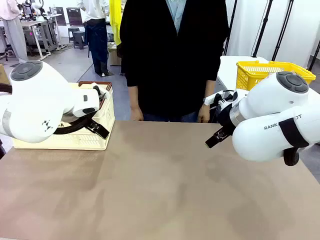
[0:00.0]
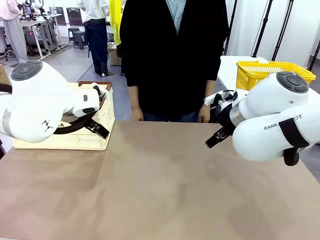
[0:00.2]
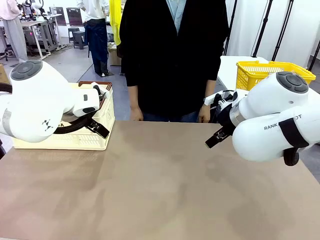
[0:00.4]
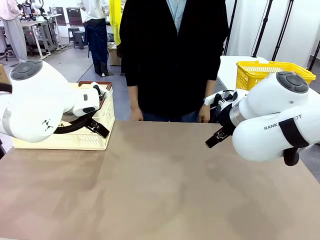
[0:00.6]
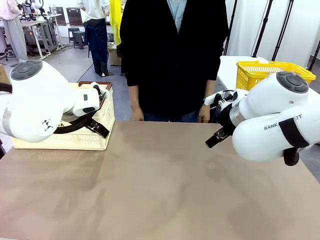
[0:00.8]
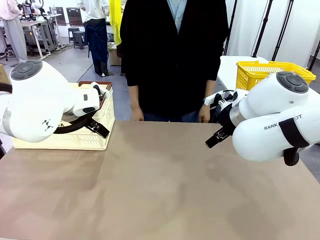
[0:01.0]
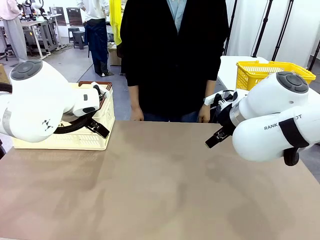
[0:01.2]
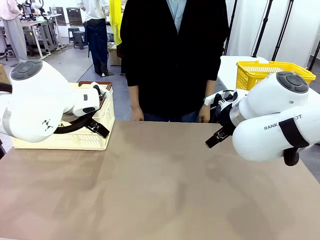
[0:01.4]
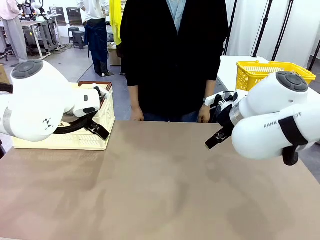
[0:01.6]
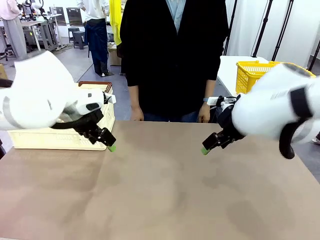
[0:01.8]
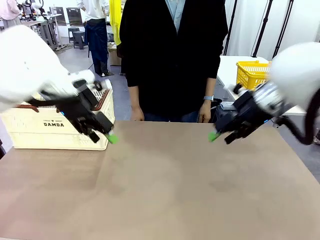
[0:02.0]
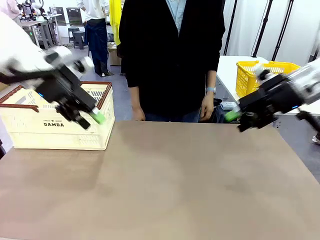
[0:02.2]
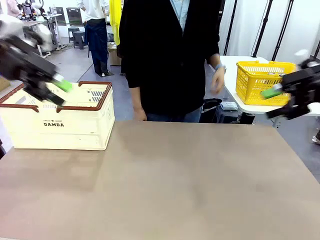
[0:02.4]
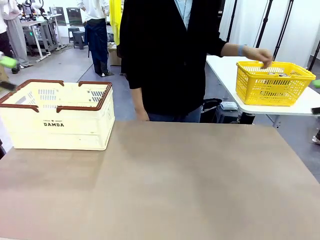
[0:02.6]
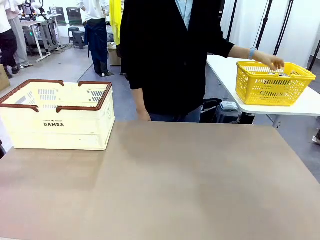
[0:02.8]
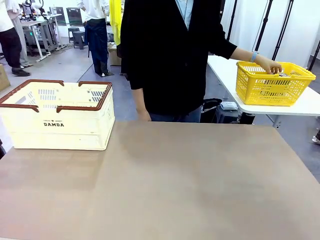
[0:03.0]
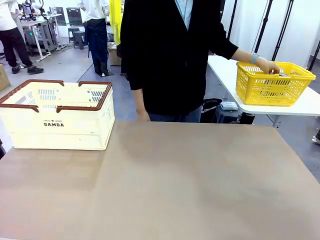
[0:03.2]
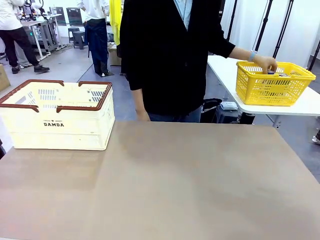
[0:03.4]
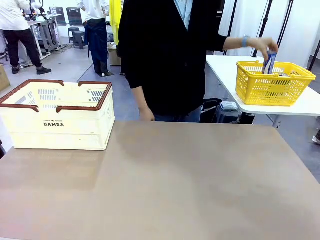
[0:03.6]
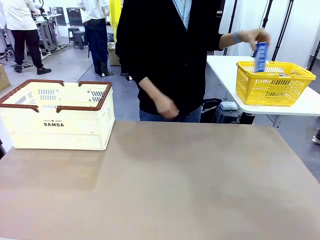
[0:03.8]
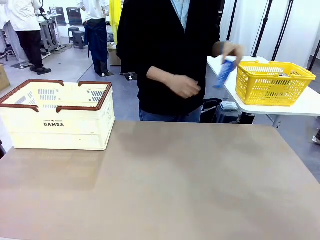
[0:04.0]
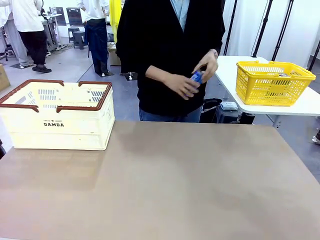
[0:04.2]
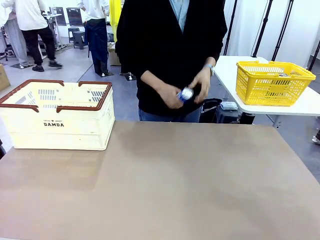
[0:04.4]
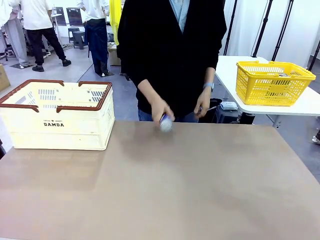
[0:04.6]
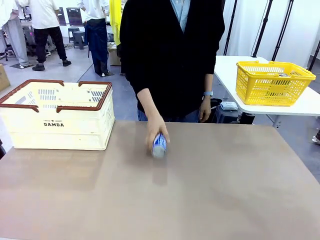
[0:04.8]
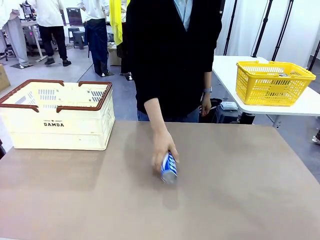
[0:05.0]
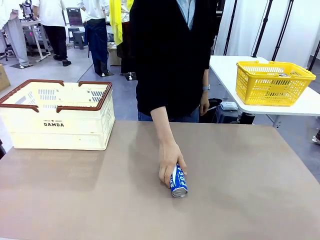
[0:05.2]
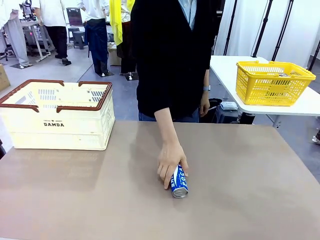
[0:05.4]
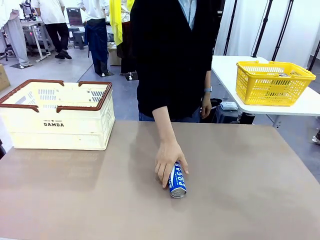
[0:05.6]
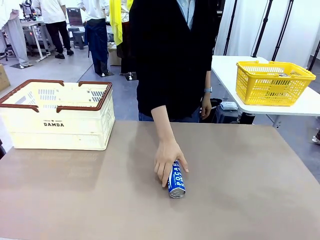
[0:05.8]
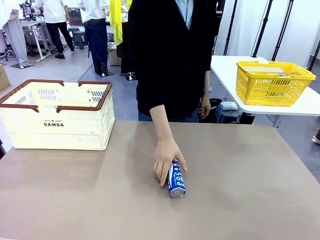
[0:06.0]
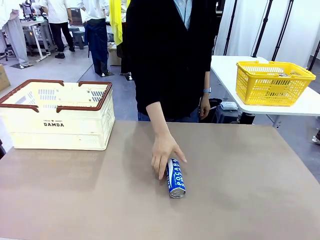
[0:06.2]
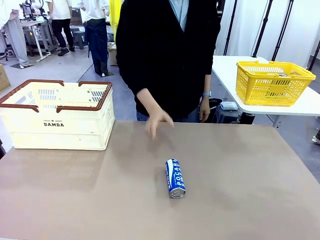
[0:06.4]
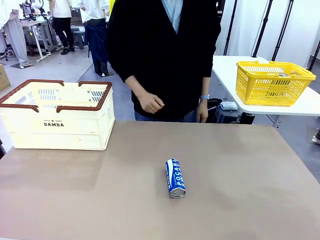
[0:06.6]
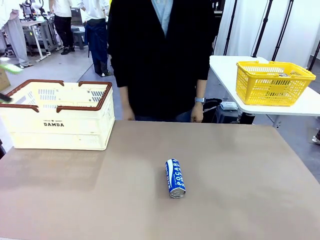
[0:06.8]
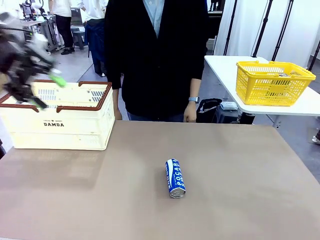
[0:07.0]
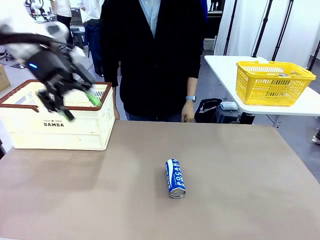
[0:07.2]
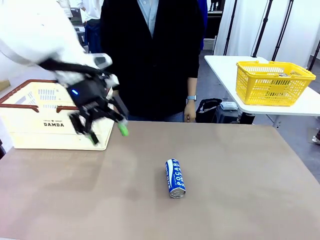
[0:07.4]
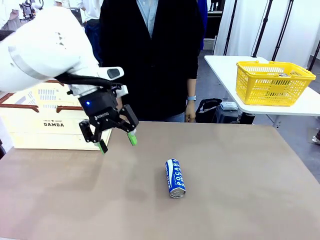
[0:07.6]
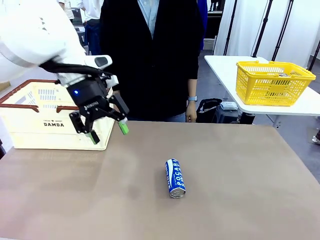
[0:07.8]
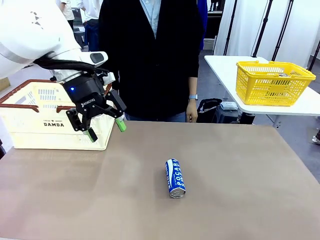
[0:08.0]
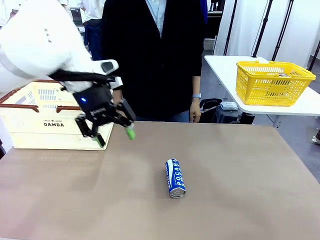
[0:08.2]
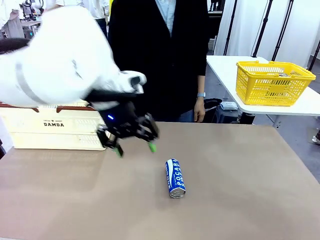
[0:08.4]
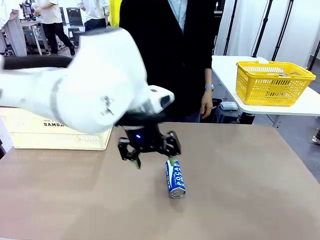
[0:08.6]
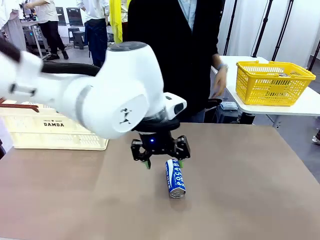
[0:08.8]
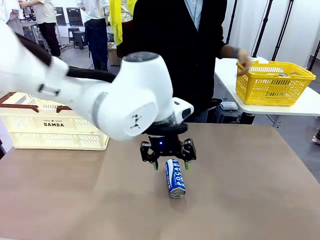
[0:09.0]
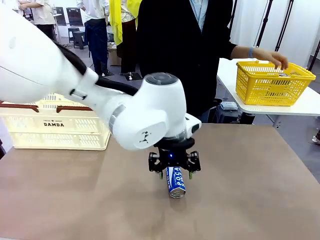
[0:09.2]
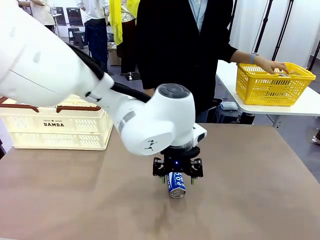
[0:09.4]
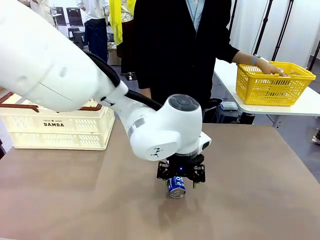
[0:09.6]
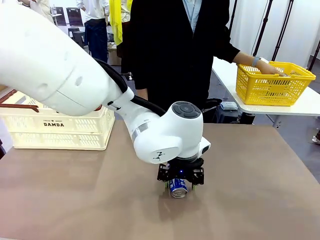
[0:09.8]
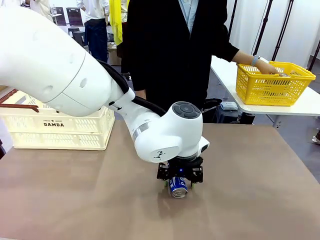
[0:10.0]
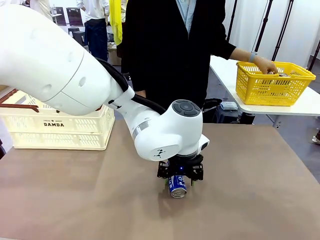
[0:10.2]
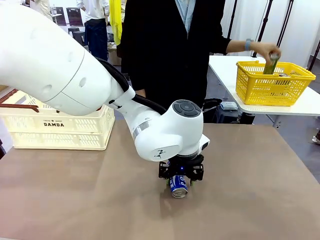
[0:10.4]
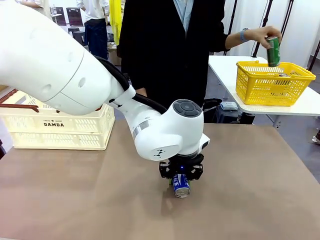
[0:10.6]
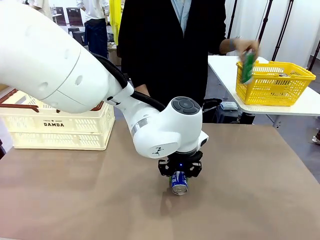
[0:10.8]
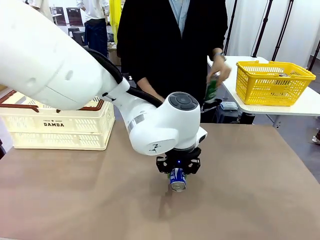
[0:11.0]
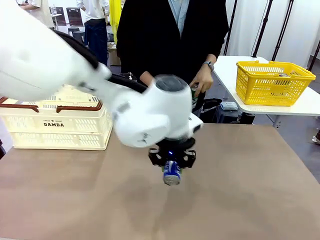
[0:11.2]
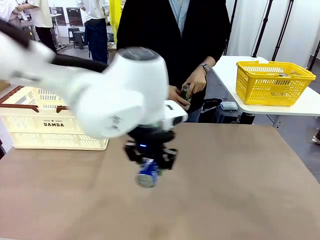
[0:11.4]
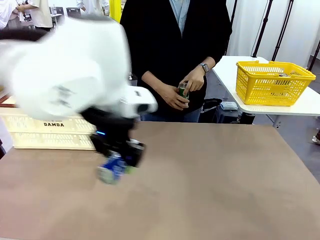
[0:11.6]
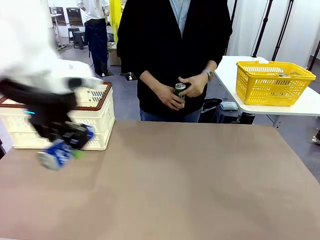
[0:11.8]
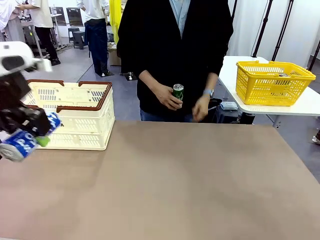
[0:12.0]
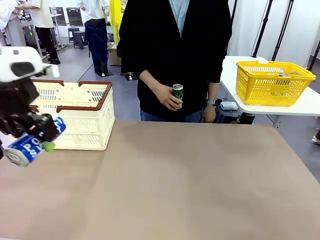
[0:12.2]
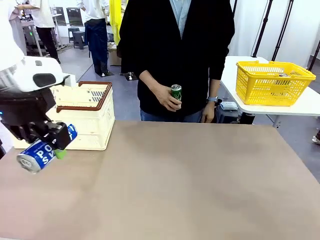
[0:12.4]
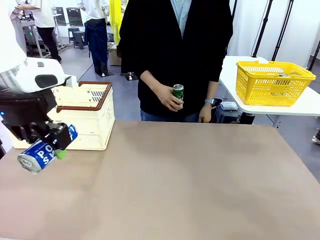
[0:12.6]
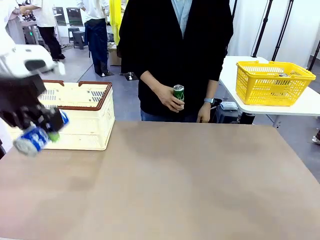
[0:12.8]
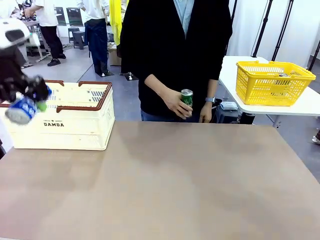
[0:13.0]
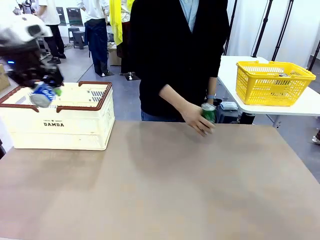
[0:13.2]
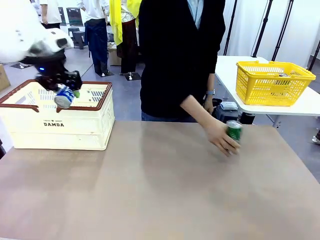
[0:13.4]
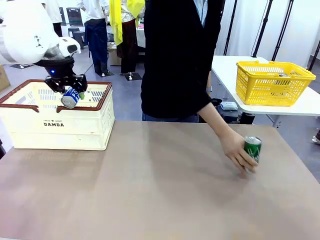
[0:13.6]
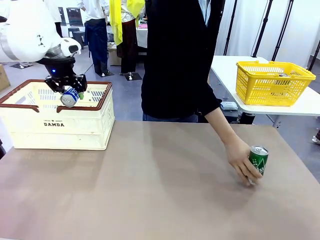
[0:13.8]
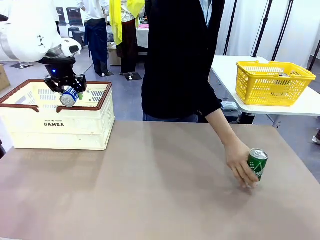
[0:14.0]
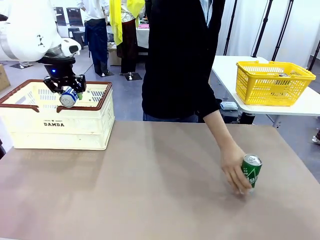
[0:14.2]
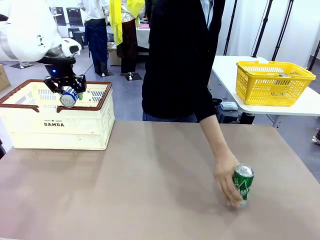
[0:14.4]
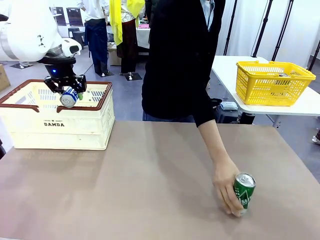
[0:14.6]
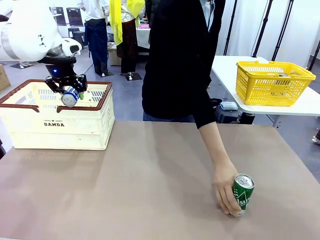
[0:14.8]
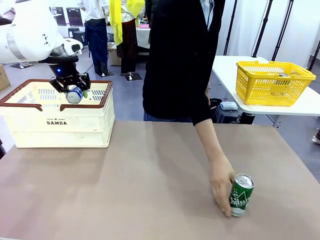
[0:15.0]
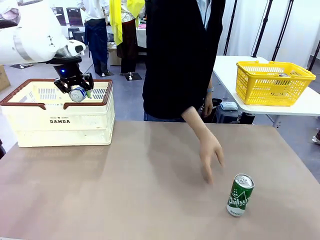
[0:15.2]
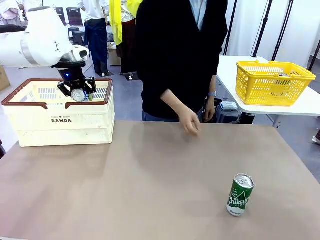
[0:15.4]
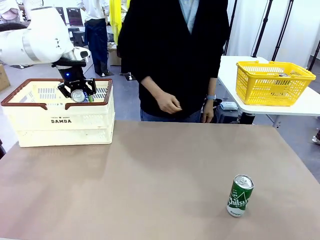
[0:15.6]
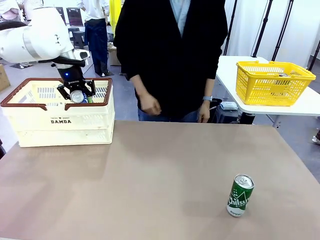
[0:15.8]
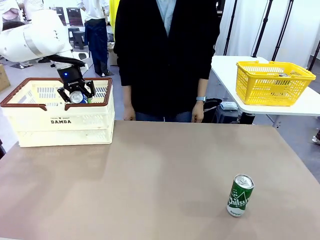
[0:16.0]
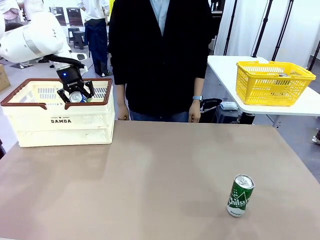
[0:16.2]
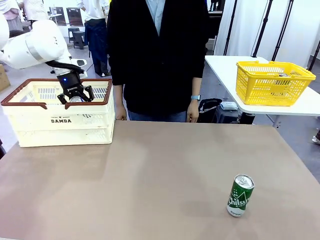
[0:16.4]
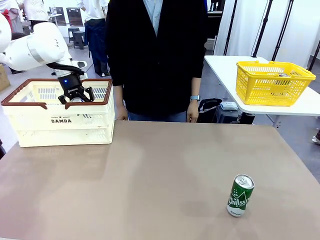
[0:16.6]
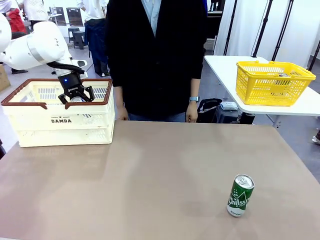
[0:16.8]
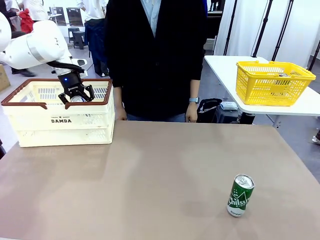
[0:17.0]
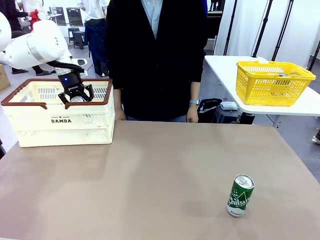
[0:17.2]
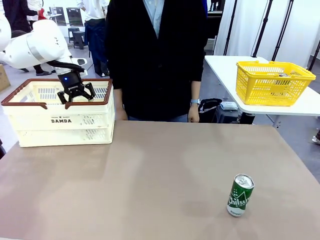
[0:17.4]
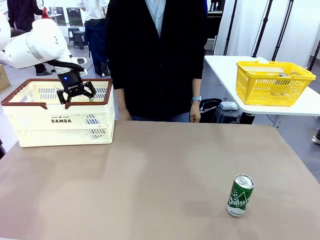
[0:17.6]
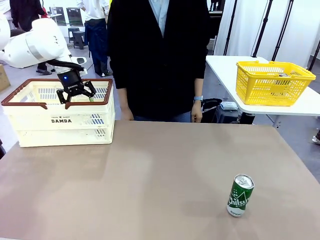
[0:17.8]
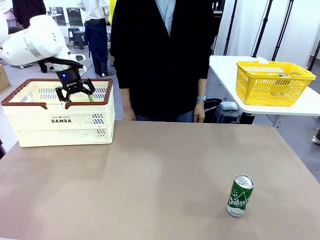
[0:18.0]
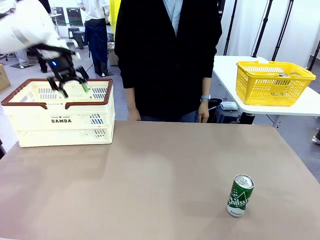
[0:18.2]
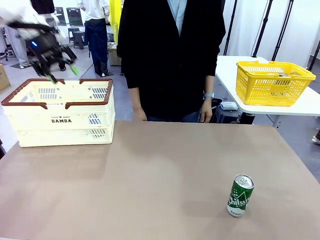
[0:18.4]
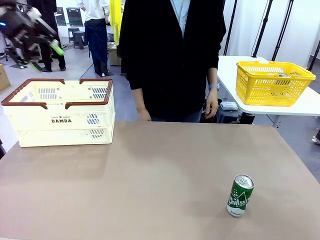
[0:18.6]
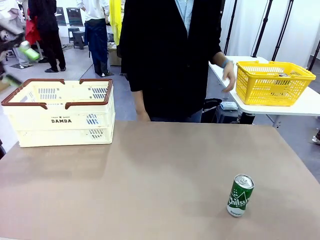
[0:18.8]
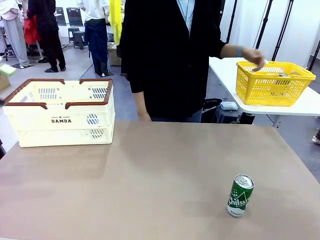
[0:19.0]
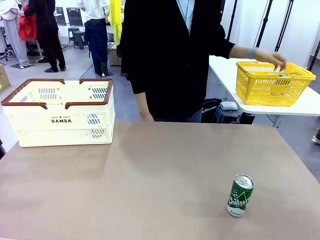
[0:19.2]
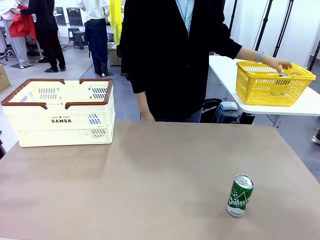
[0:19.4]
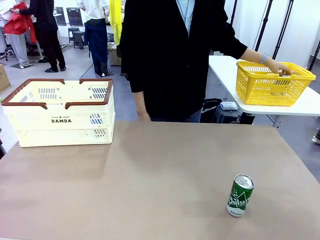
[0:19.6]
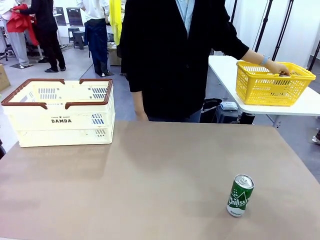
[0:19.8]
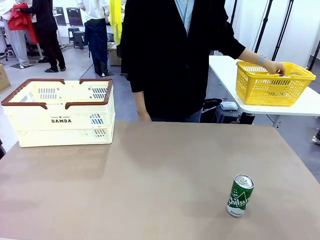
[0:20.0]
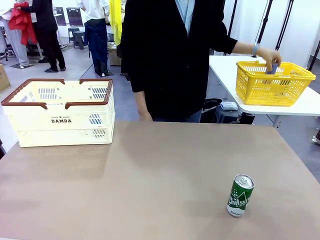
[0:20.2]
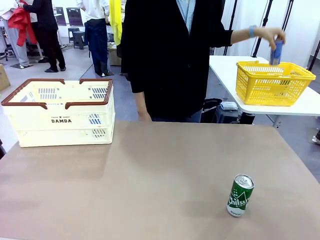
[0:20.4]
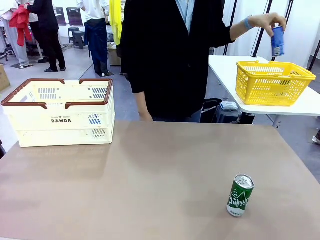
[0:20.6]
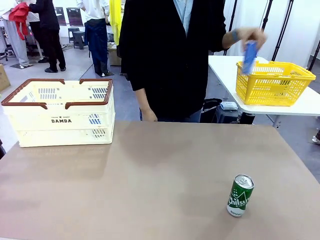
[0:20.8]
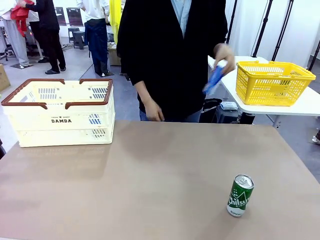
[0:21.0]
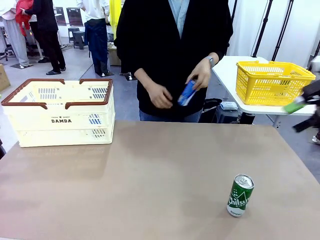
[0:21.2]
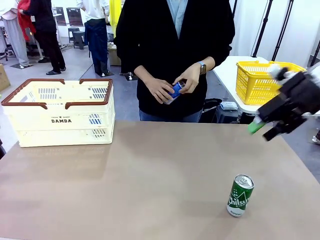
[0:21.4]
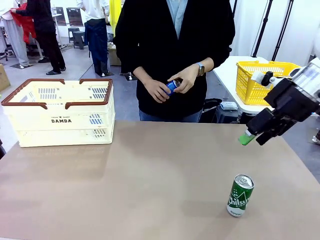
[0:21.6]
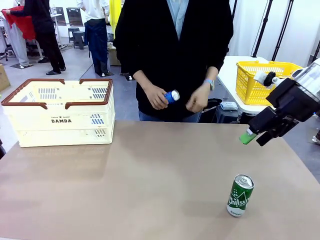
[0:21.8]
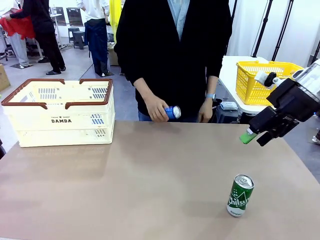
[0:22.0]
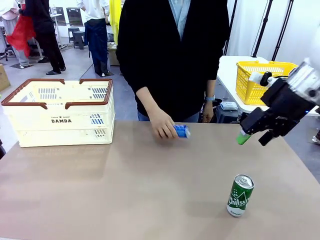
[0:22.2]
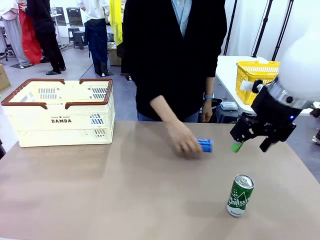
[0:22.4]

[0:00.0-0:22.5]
Task: Place the drinks into the Shopping basket.
Robot: Pick up one drink and place it into the Shopping basket.
